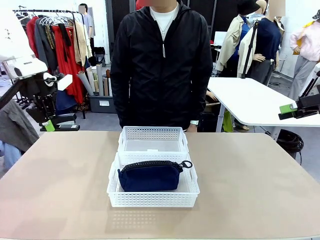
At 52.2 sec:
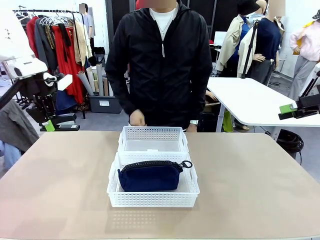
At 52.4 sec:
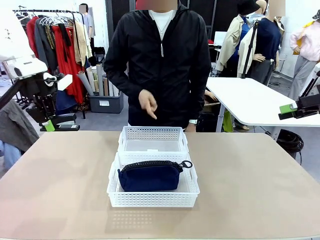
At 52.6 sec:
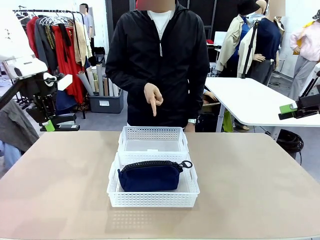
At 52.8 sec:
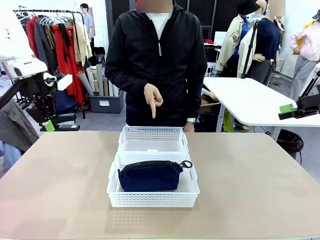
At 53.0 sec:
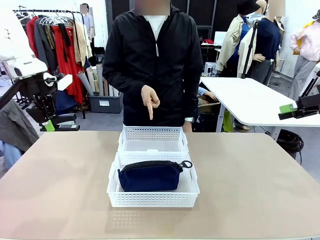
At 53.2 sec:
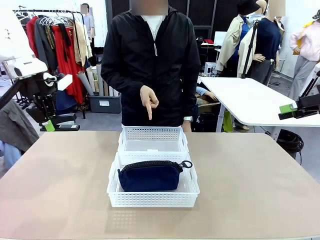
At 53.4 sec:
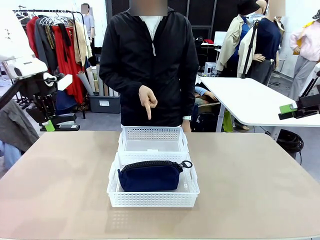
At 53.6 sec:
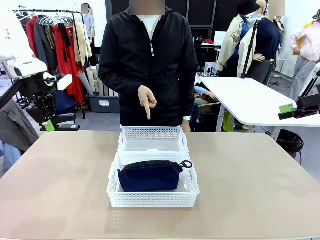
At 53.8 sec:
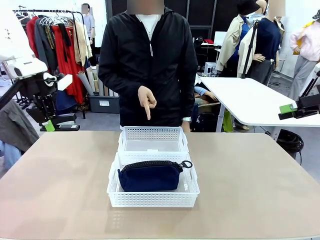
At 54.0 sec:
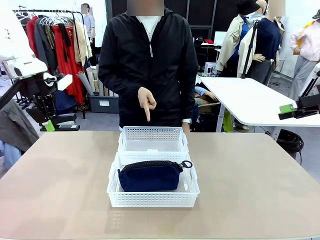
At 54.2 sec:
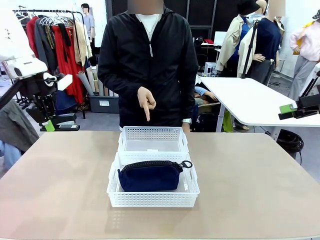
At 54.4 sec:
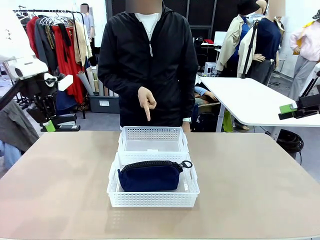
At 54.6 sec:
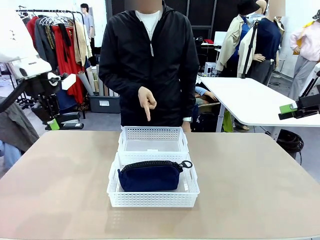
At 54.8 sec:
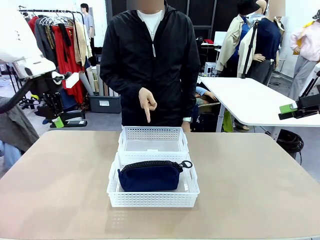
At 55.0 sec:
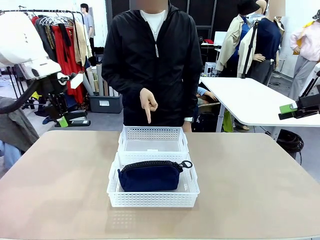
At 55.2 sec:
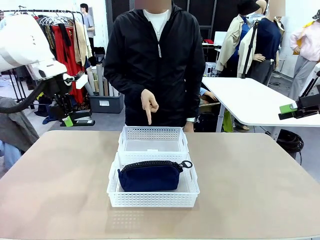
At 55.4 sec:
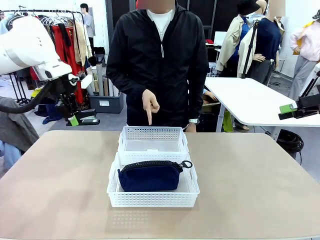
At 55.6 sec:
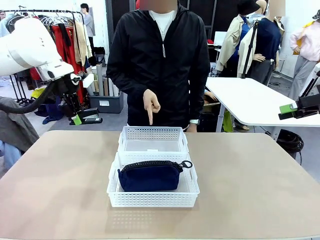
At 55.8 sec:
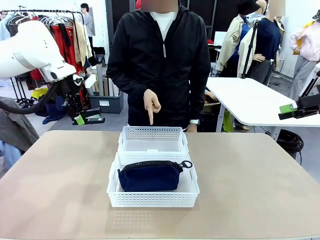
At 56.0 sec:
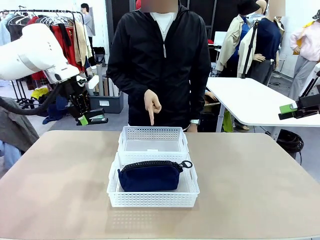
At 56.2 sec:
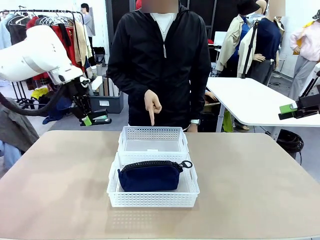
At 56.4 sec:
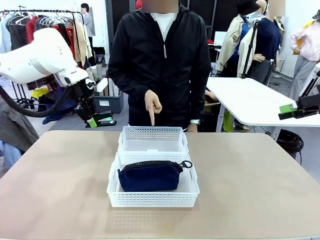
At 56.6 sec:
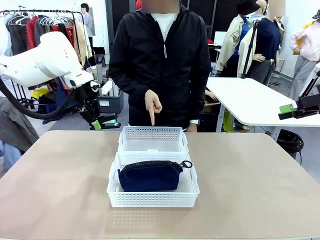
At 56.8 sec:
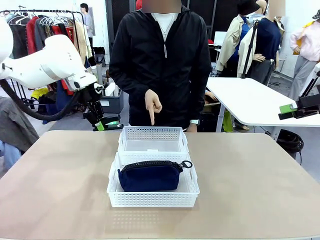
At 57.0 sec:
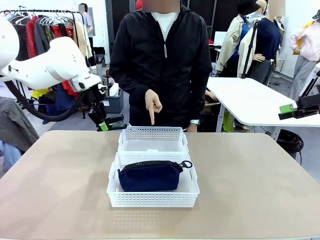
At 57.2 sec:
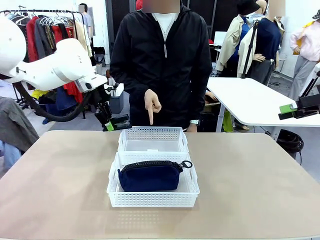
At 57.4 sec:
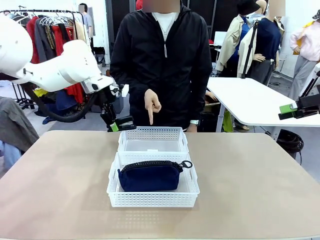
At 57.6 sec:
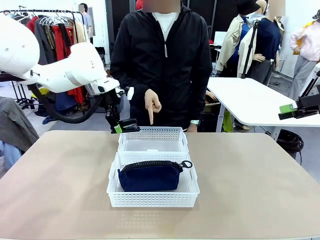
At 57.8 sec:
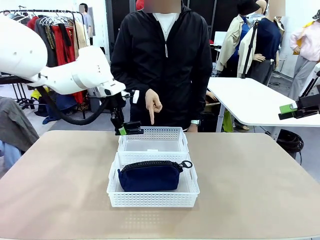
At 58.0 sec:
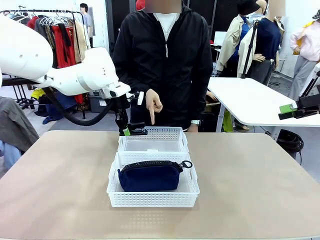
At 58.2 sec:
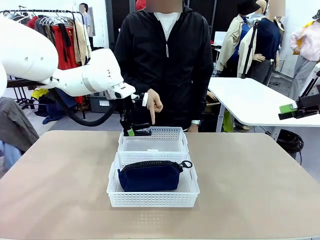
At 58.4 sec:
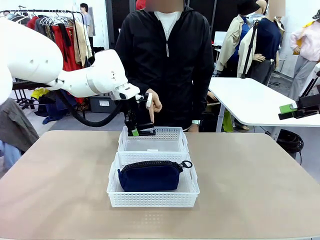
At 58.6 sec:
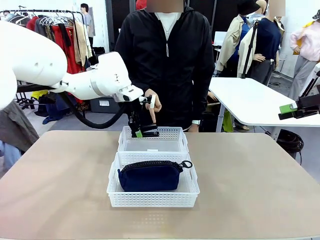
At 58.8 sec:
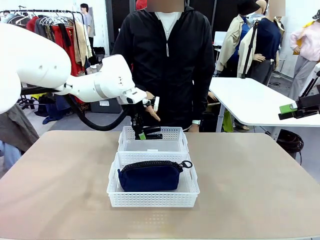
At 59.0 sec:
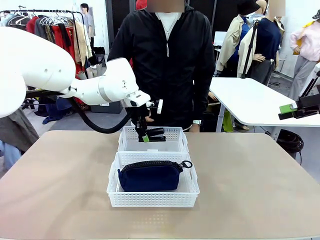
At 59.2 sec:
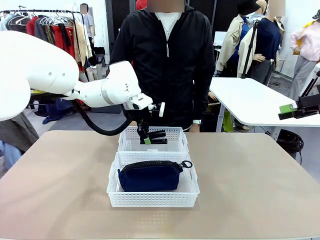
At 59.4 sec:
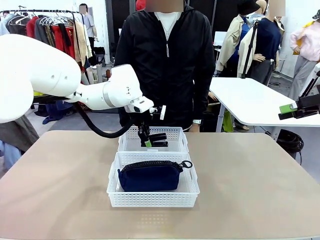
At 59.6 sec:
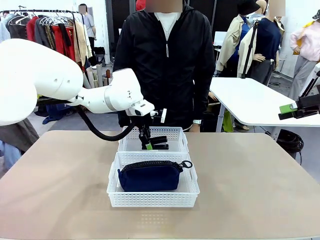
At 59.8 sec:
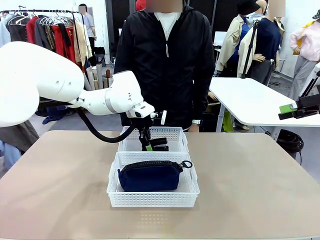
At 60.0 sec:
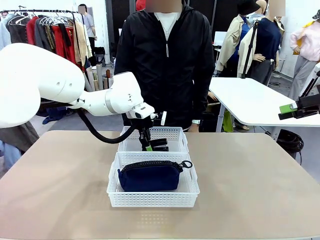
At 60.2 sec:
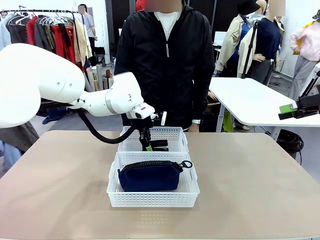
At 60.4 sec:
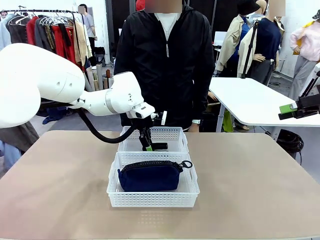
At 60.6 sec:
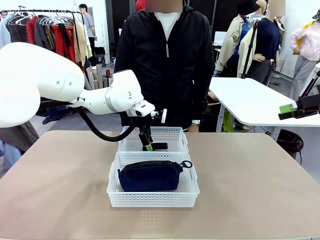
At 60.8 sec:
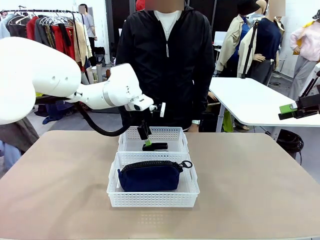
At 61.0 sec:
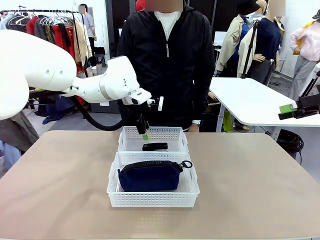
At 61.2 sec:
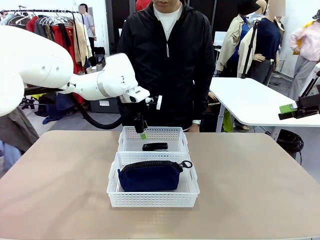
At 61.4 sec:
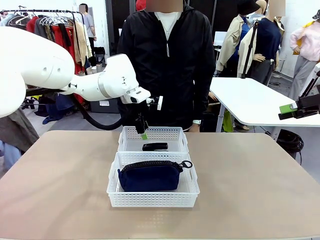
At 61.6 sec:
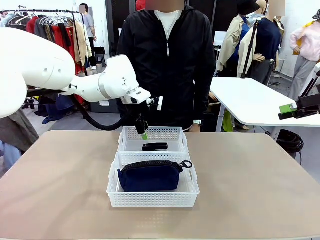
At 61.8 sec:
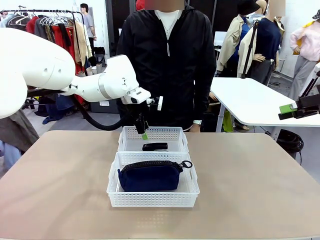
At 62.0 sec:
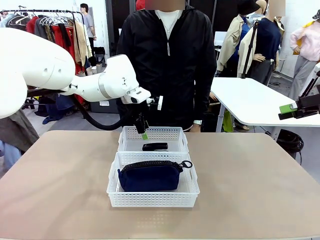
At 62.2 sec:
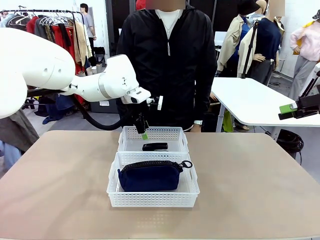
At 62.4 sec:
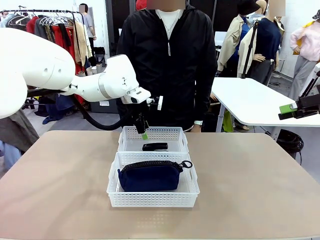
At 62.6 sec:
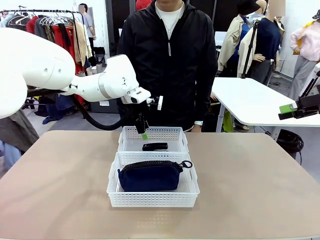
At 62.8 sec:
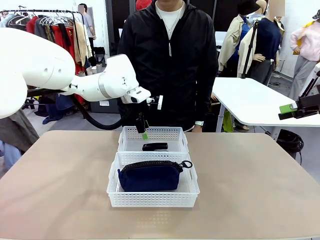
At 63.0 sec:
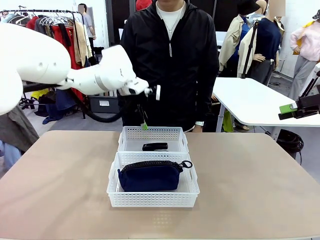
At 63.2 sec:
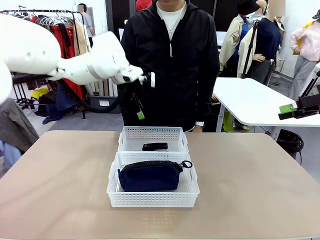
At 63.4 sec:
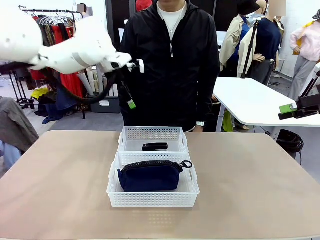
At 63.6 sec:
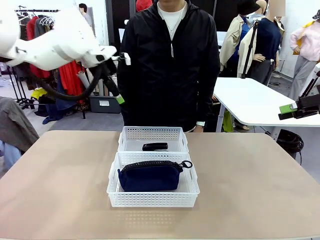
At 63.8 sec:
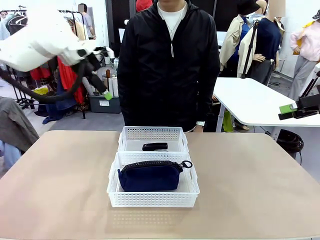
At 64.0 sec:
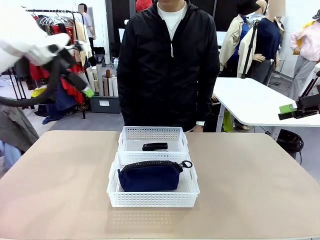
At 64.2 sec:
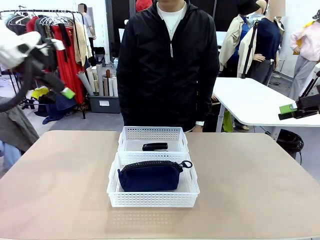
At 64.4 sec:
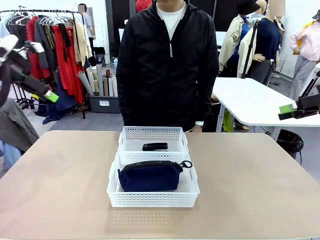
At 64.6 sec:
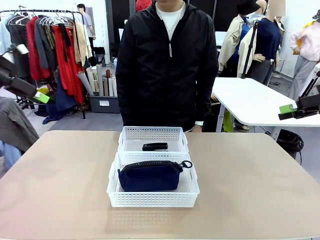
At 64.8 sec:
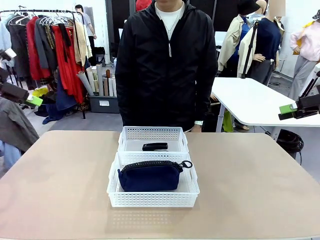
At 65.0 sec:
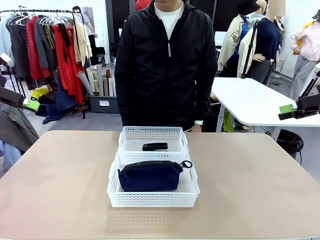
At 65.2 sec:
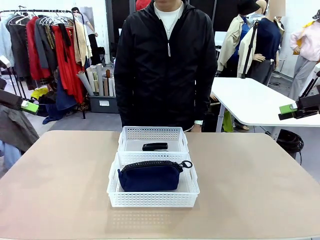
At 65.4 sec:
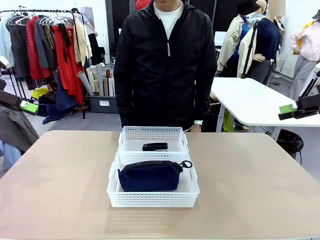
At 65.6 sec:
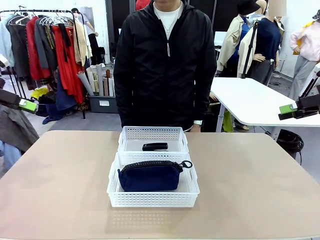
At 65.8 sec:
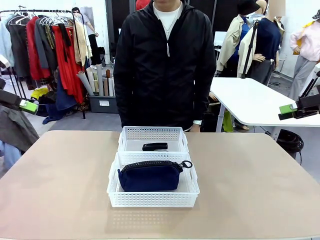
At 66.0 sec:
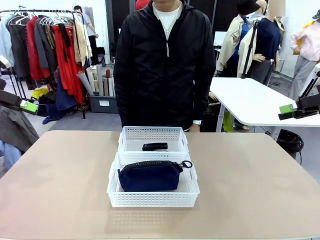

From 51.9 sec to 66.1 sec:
Task: Distribute items into two baskets.
Robot: Place the picked Stapler into the Organizing basket as instructed by the person.
Person: Points to the basket that does not contain the pencil case and instructs the robot to move the stapler there.
